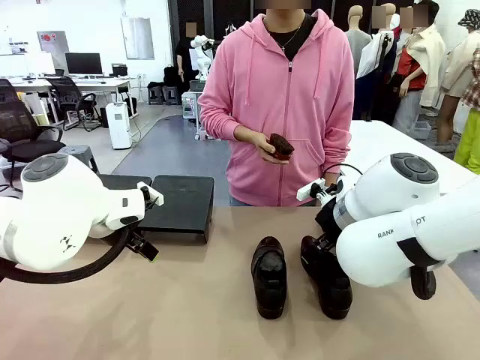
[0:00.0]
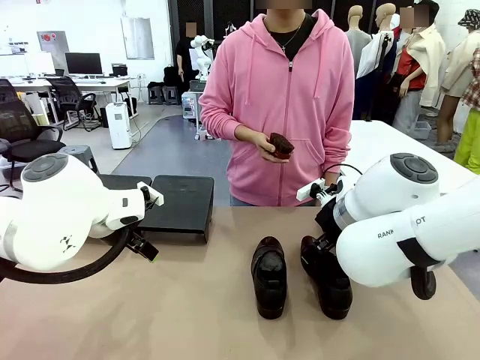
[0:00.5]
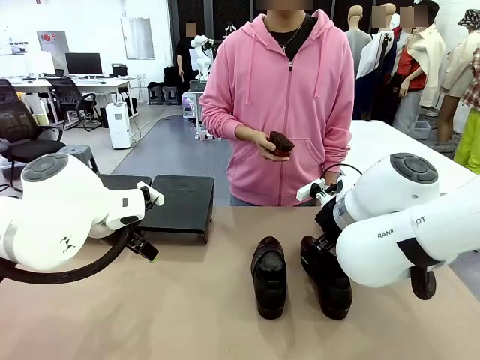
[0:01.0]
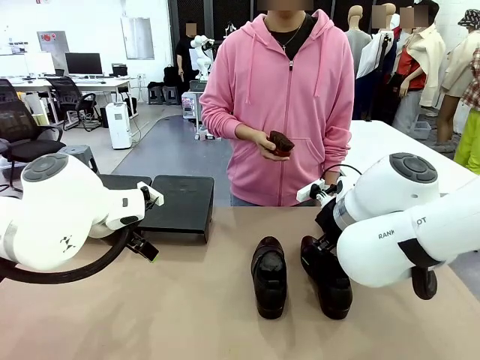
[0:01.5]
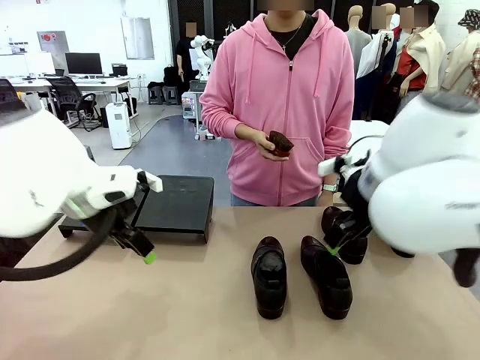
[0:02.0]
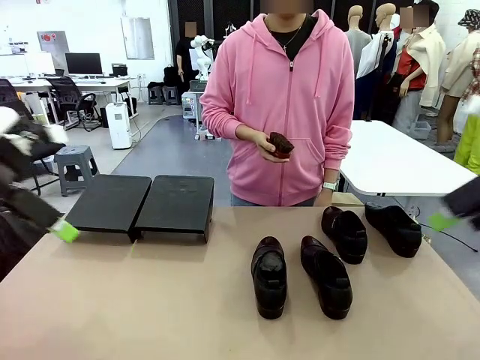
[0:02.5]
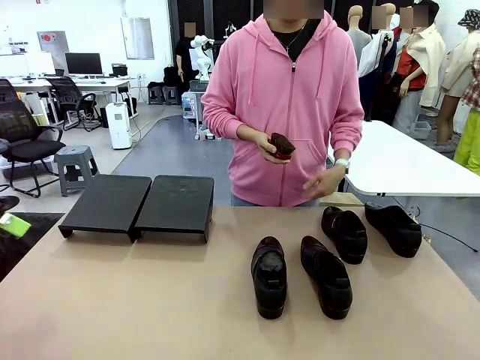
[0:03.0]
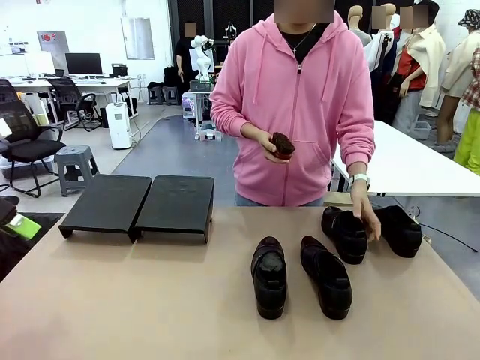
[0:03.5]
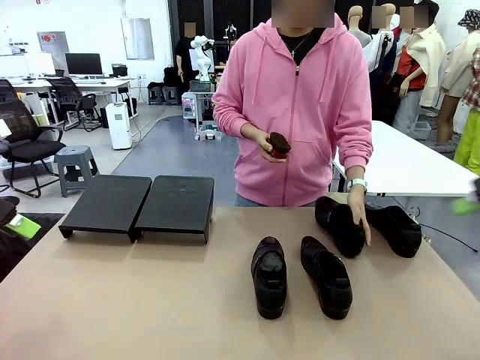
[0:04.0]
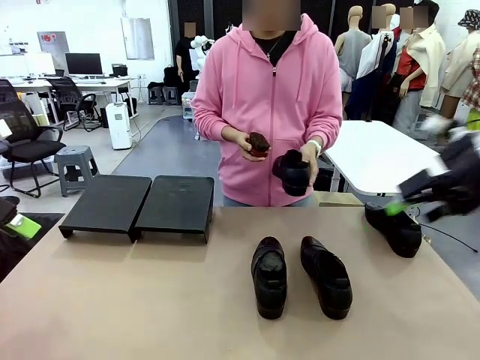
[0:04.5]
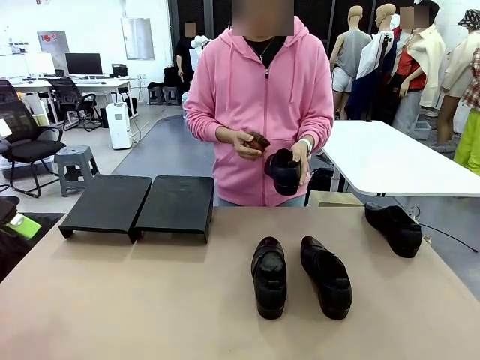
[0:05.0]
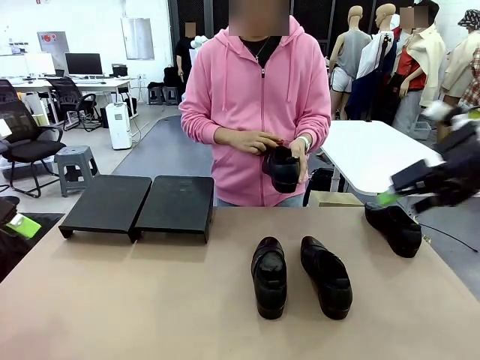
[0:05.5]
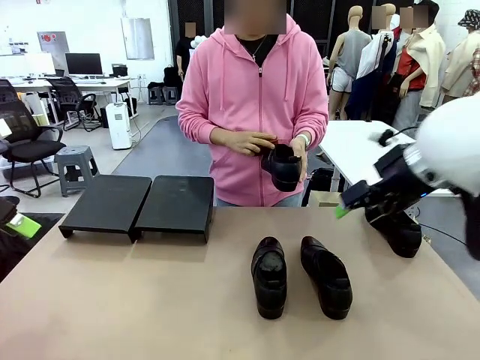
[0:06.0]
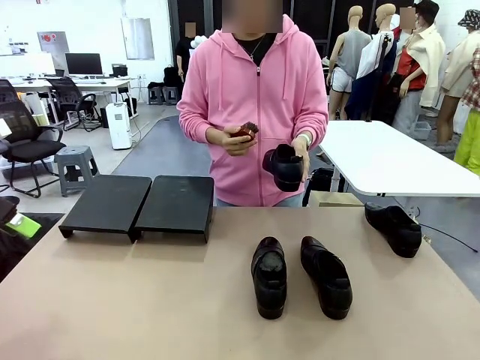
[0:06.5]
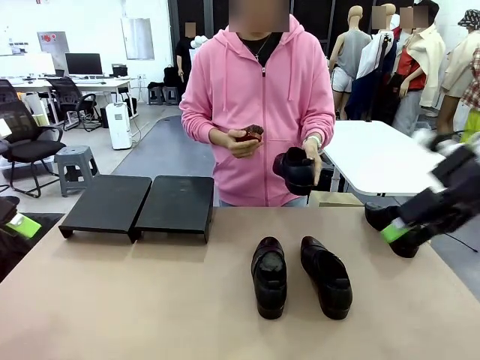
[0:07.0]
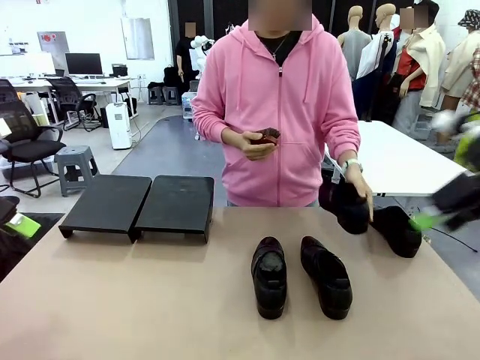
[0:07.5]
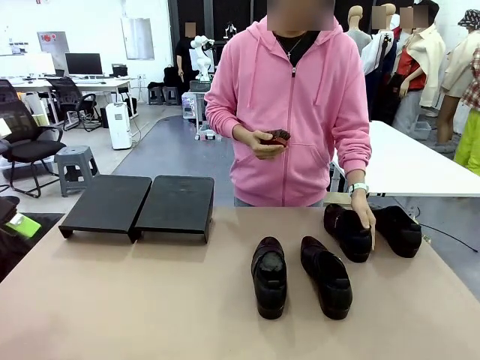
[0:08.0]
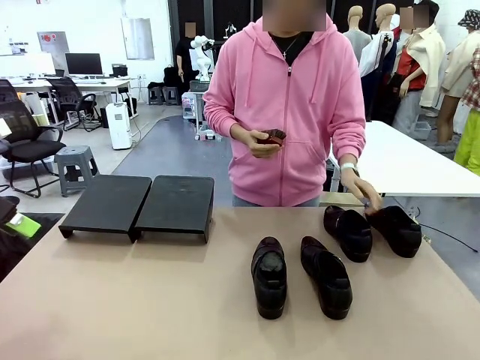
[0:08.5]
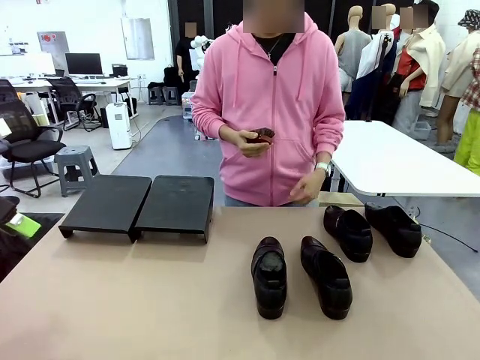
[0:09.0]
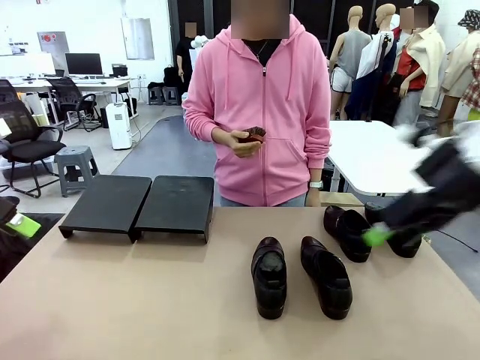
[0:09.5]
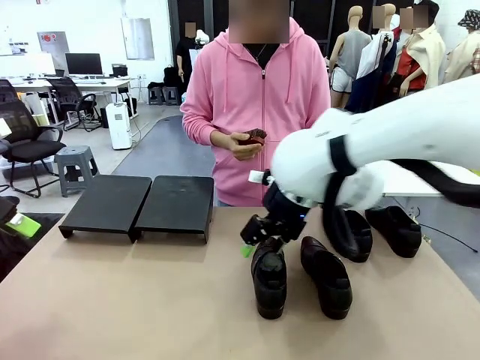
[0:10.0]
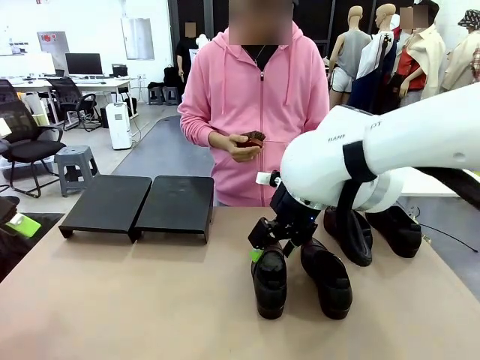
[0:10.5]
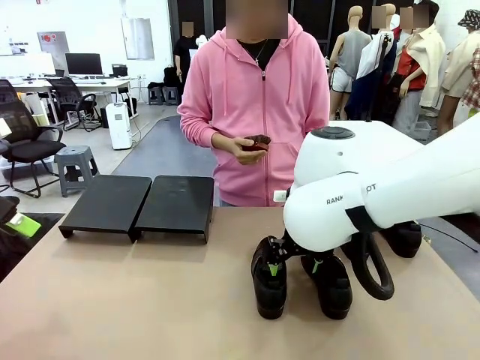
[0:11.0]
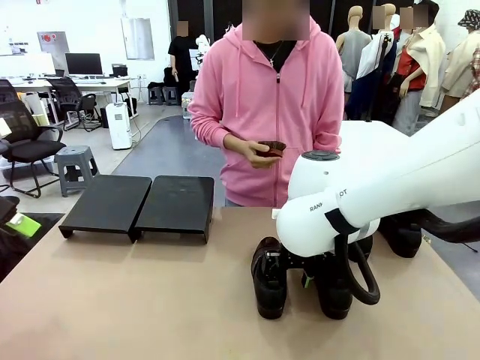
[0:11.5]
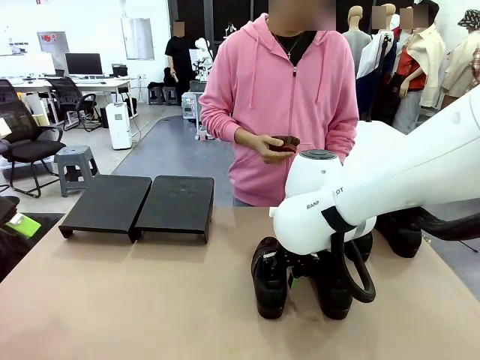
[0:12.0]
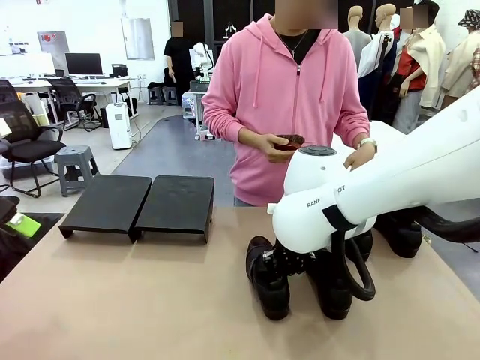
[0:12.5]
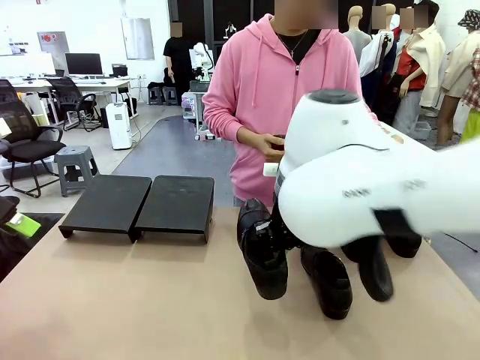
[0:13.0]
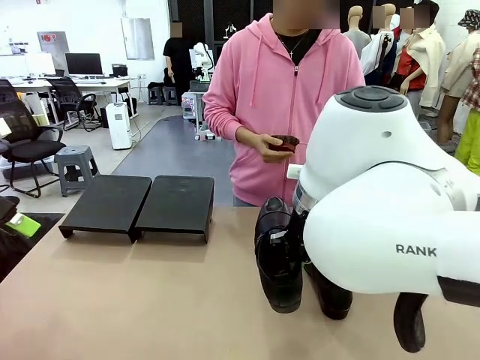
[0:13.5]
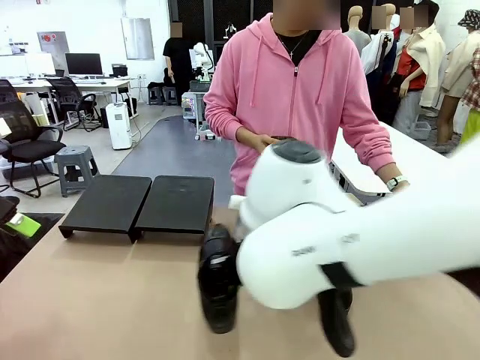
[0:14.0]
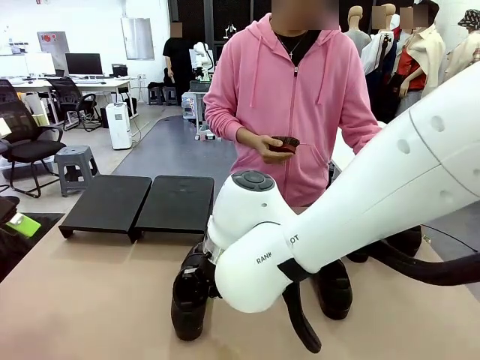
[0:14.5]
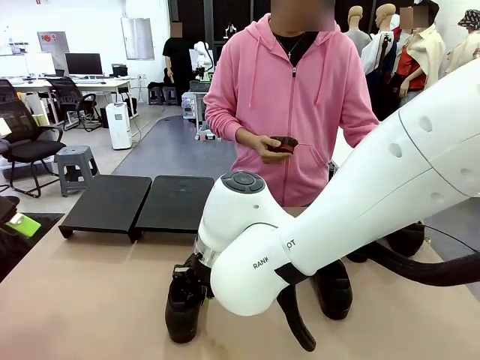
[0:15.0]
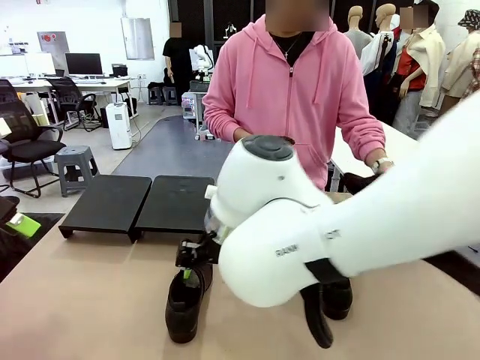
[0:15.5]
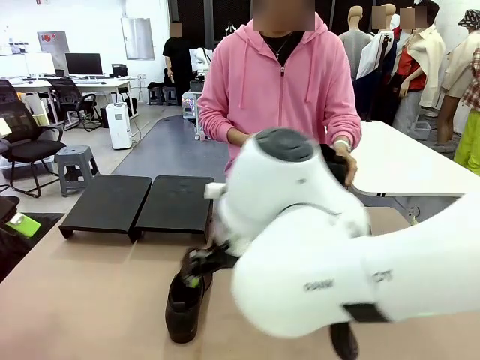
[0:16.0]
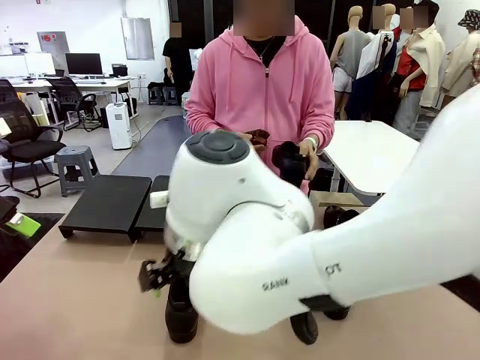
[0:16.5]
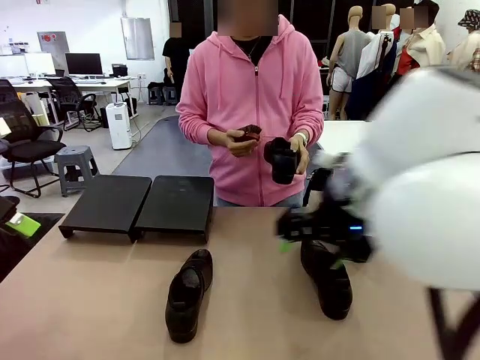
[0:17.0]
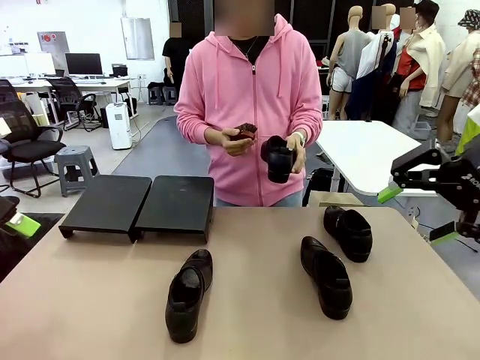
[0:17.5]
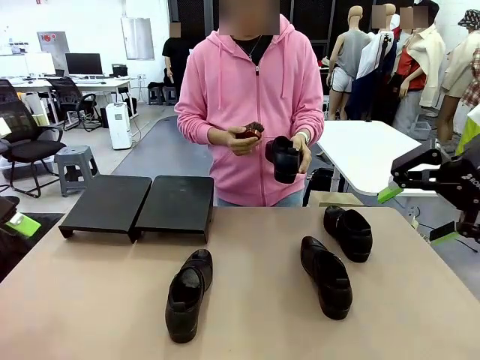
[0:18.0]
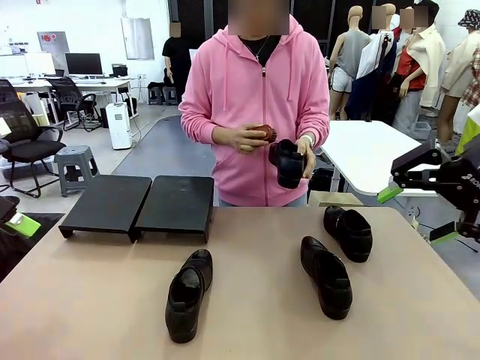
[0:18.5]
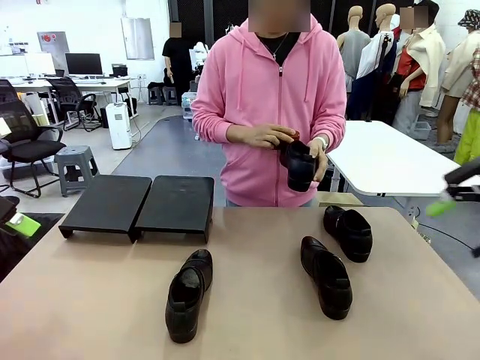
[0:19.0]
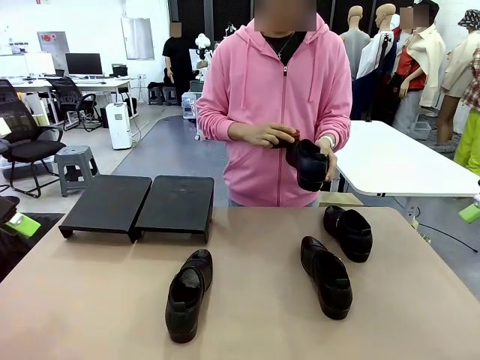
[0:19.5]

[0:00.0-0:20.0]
Task: Organize the shoes by placing them on the stand.
Robot: Pick up one Shoe and place it in the middle of the table.
Person: Pick one Shoe on Robot's table. Clean the Shoe with the Shoe Brush. Place the Shoe on left side of the Robot's table. Pick one Shoe on Robot's table.

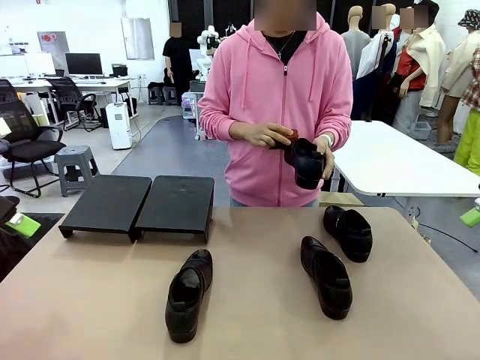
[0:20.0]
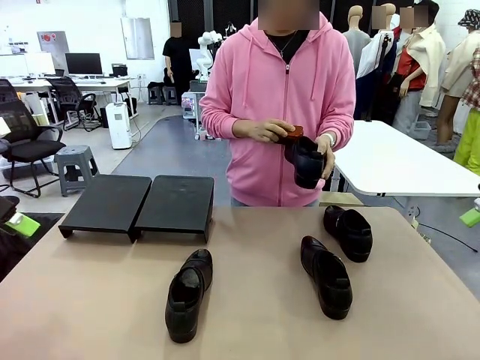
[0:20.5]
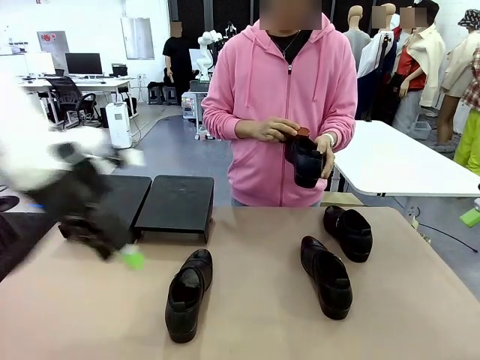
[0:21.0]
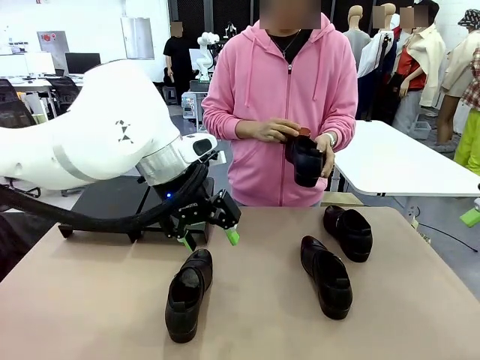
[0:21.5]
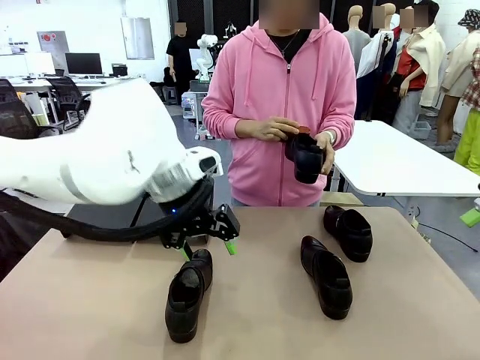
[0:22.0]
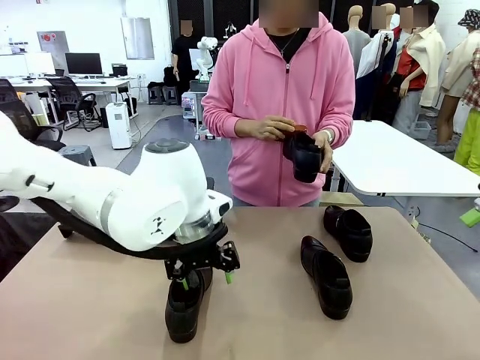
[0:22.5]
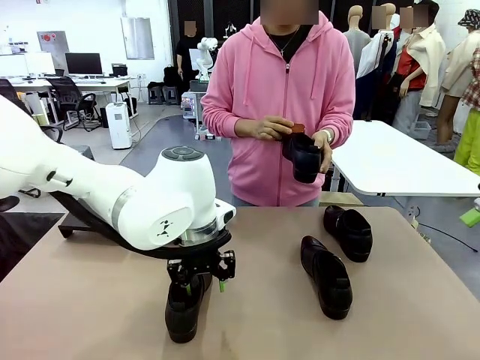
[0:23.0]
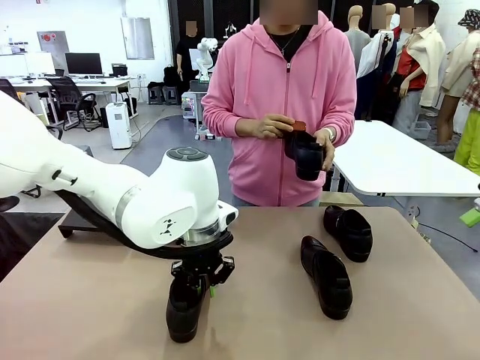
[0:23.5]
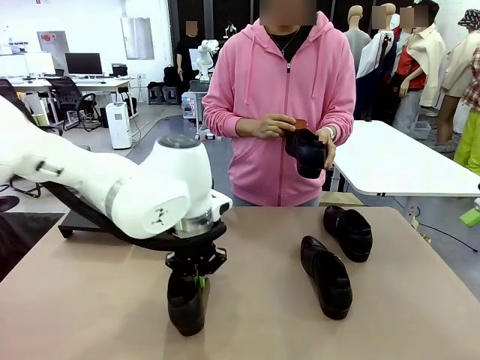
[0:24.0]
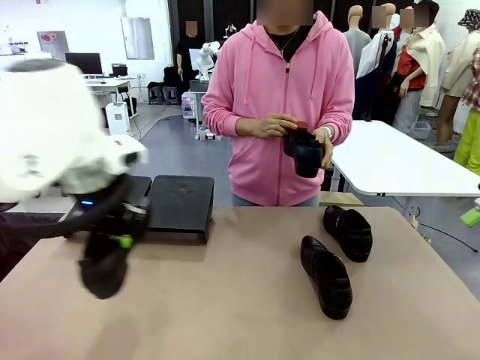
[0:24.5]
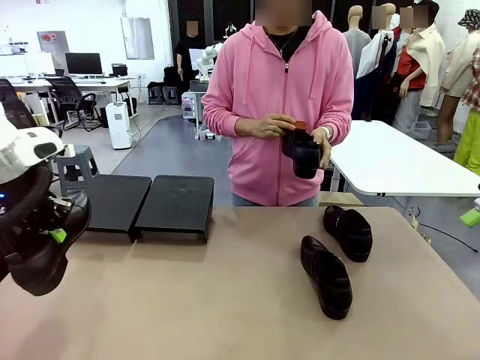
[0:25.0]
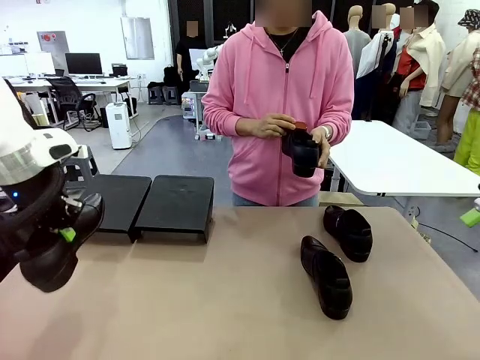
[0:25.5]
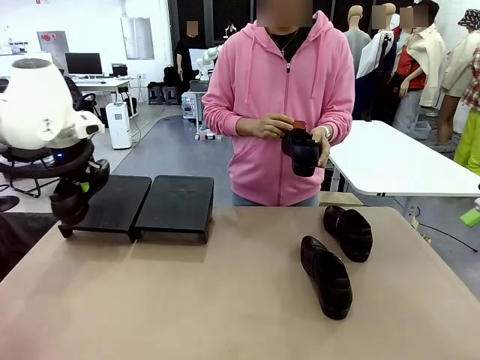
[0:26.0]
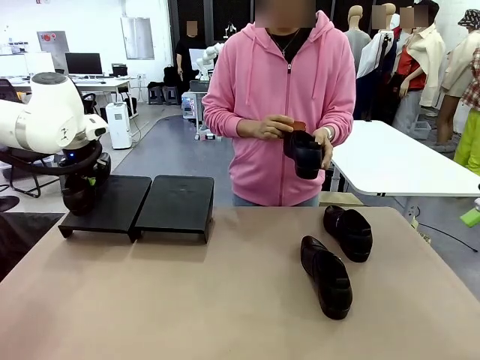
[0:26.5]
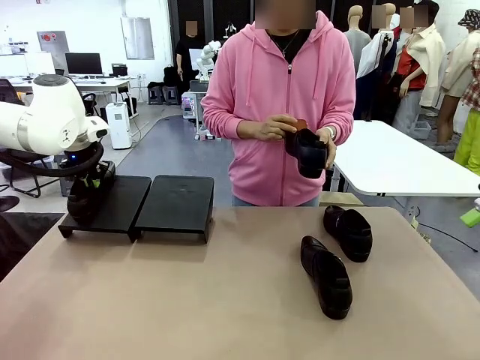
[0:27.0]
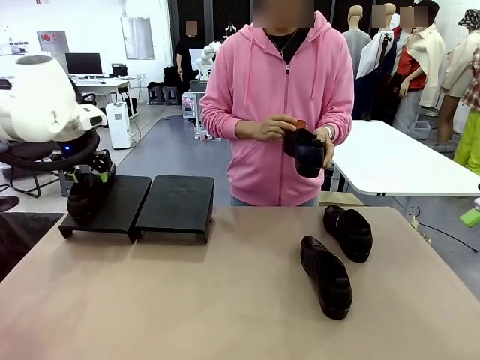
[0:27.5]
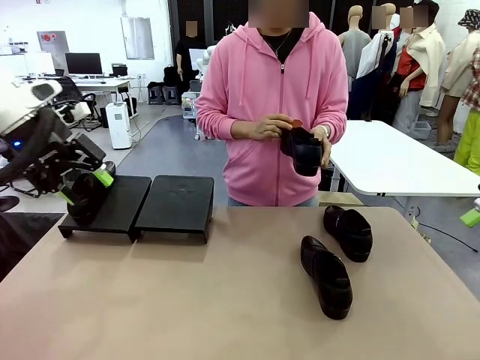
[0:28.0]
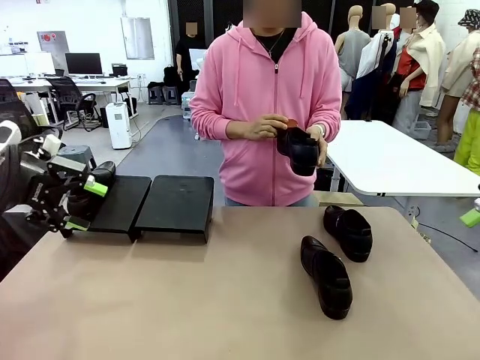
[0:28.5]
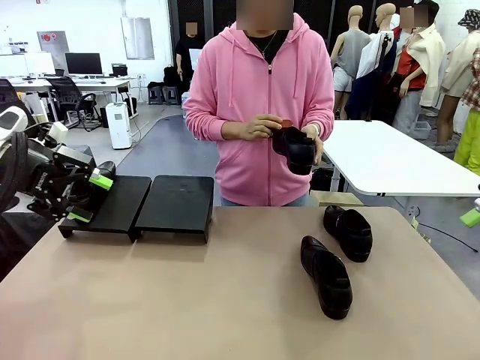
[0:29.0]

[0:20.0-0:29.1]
Robot: Place the Shoe from the middle of the table onto the Shoes Stand.
Person: Clean the Shoe with the Shoe Brush.
